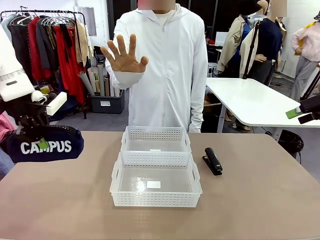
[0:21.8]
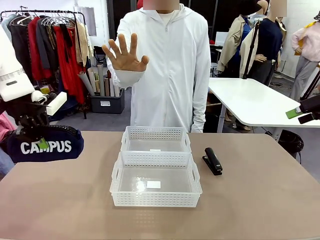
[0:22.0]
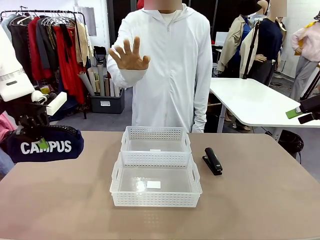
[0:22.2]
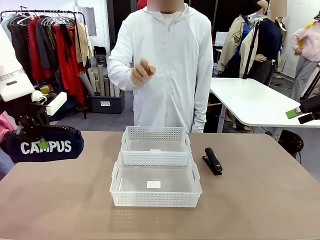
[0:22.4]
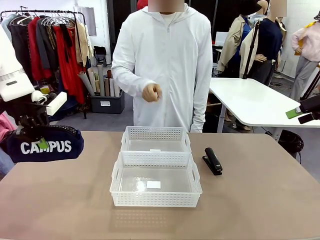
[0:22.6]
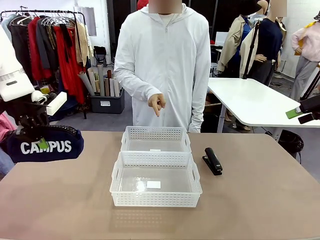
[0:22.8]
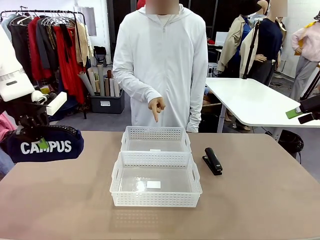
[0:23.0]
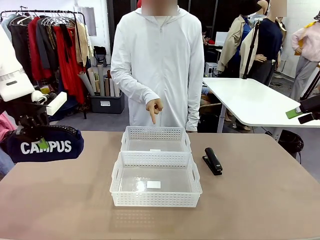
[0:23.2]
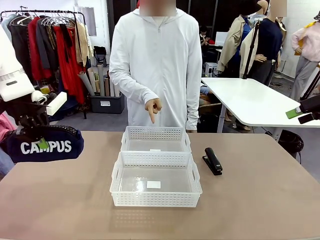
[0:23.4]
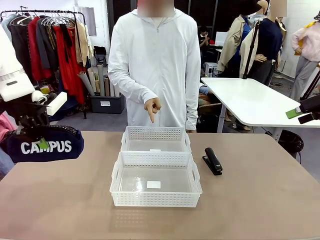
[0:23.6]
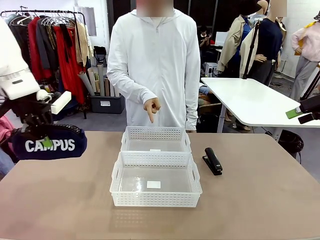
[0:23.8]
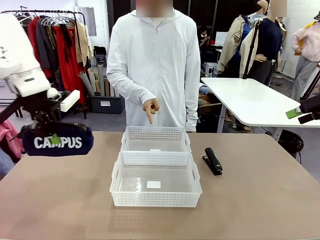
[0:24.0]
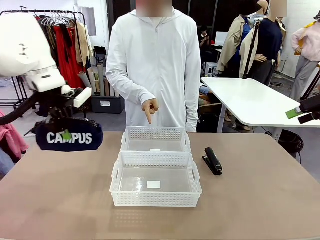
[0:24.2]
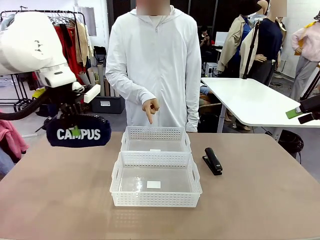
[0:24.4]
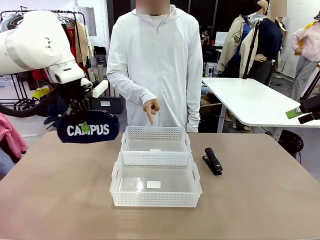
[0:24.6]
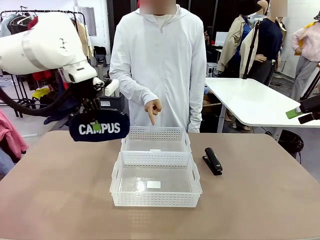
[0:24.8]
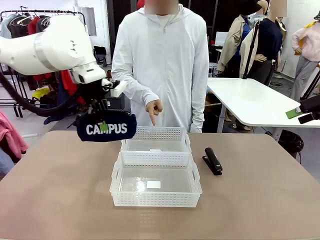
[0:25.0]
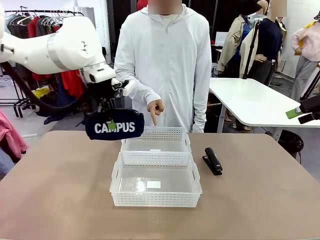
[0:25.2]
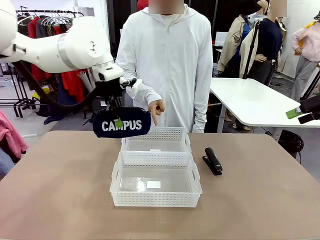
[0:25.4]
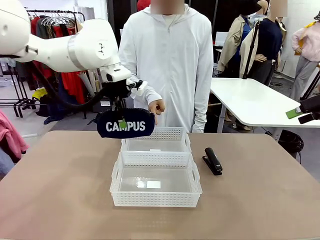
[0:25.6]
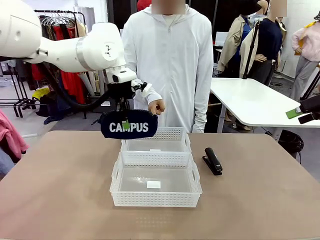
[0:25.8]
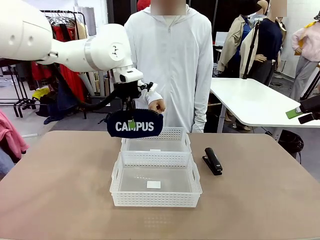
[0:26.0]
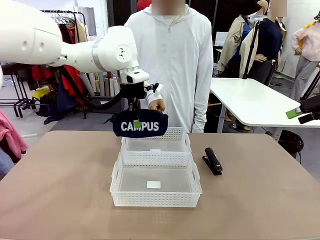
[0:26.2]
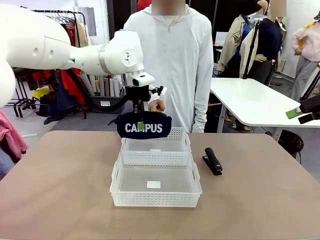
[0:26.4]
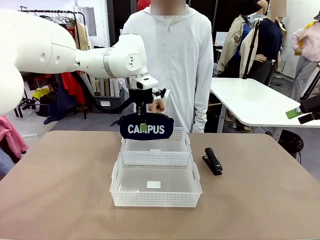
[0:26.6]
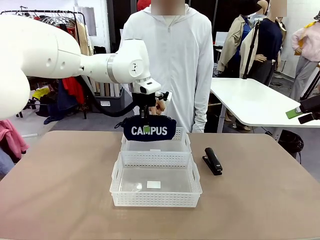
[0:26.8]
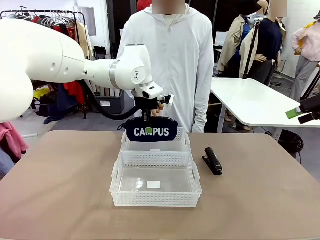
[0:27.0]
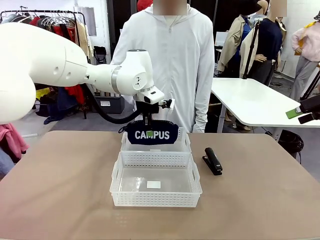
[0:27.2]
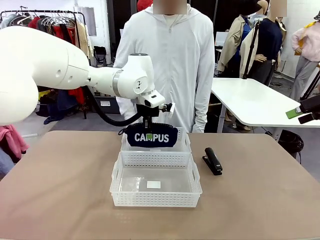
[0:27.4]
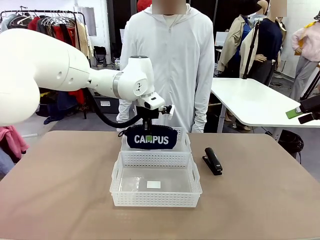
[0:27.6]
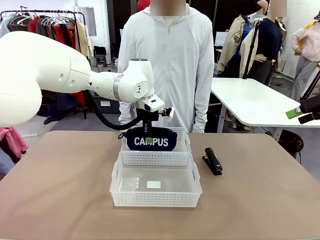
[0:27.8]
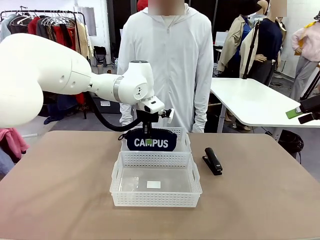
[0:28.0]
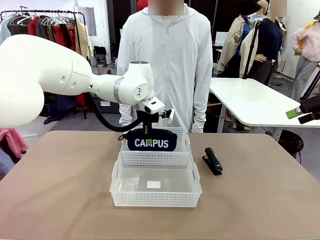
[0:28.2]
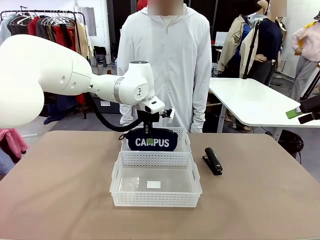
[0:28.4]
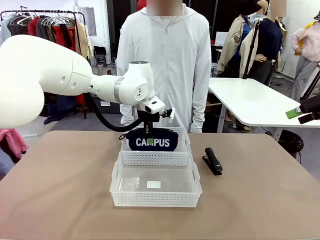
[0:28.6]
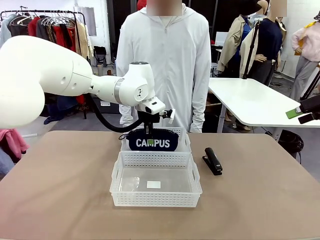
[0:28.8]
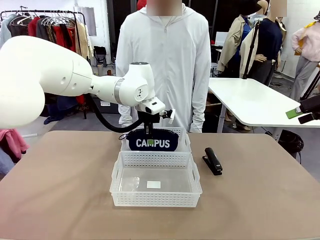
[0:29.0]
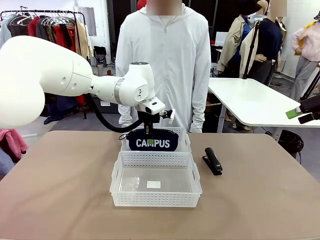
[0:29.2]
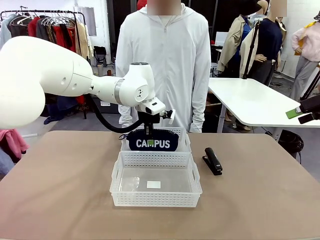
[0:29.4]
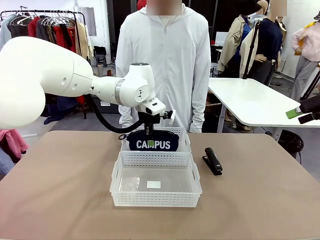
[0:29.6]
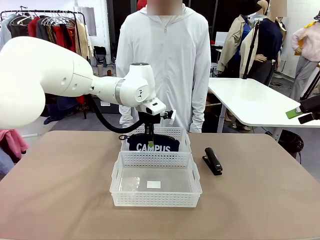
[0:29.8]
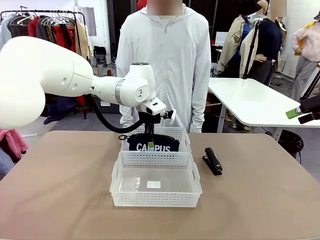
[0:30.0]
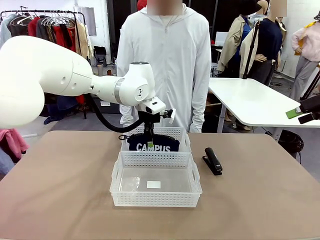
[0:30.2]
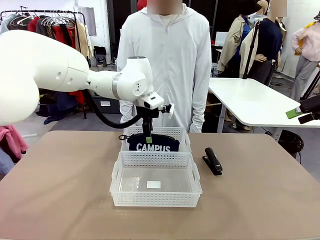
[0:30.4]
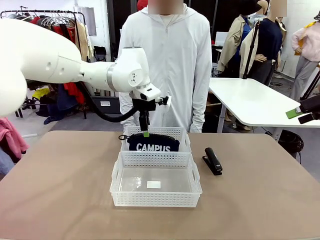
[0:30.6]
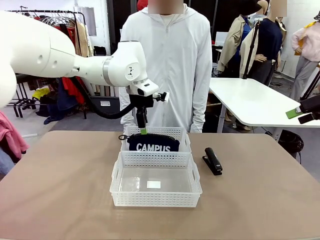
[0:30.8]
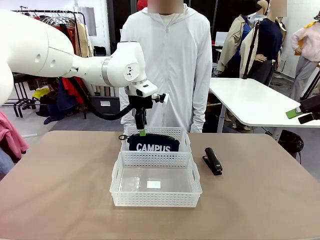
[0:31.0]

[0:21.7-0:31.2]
Task: Distribute items into two baskets.
Robot: Place the picked Pencil pouch into the Organizing basket as instructed by the person.
Person: Instructs the robot to place the pencil case into the opposite basket. Points to the stapler.

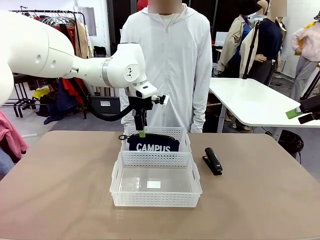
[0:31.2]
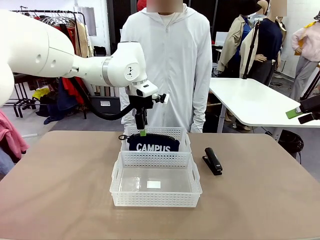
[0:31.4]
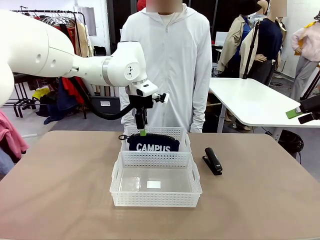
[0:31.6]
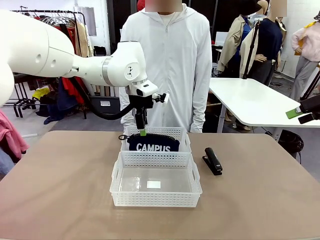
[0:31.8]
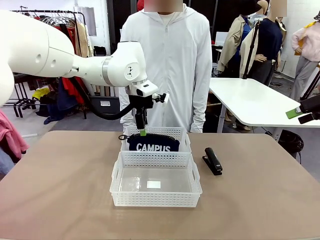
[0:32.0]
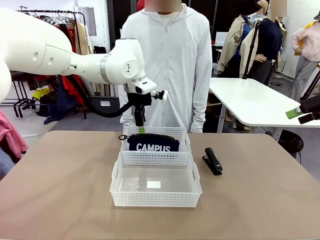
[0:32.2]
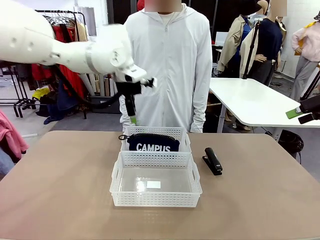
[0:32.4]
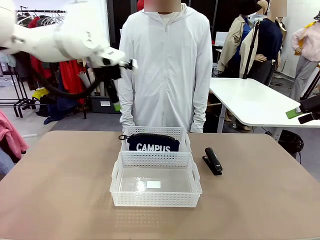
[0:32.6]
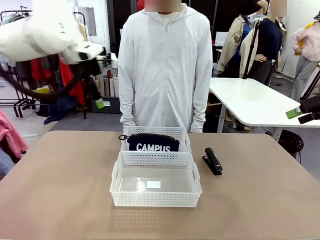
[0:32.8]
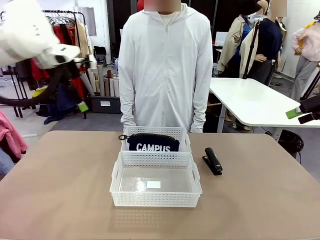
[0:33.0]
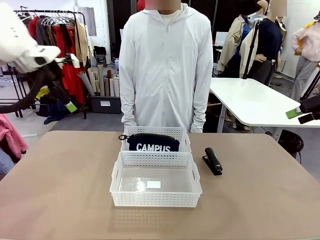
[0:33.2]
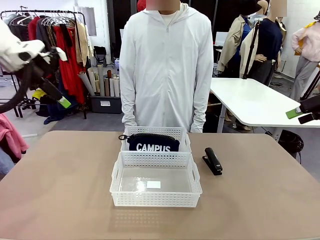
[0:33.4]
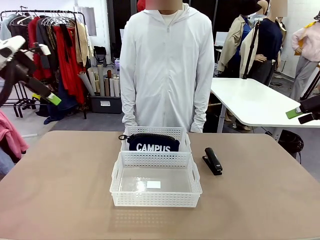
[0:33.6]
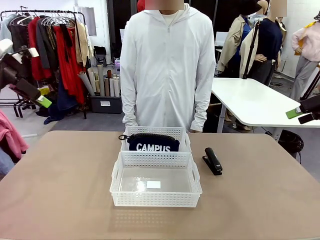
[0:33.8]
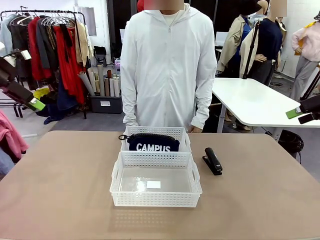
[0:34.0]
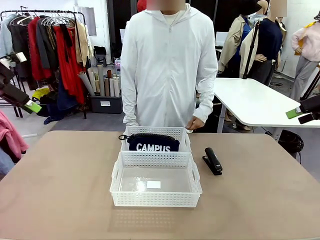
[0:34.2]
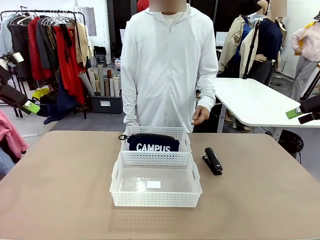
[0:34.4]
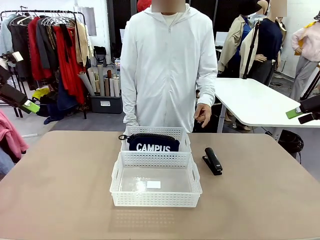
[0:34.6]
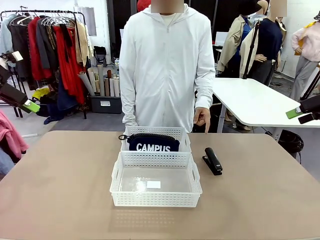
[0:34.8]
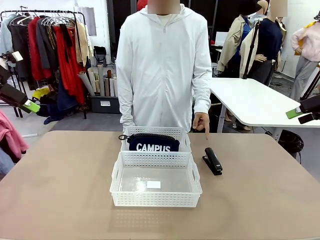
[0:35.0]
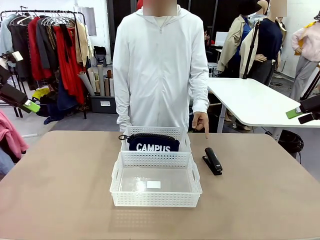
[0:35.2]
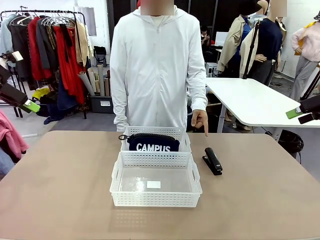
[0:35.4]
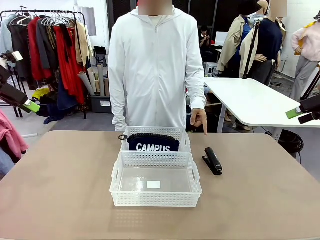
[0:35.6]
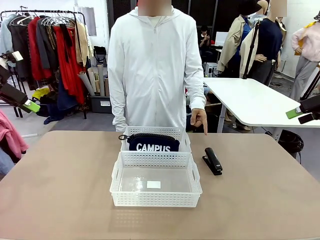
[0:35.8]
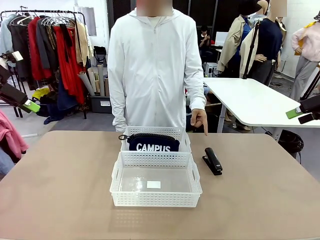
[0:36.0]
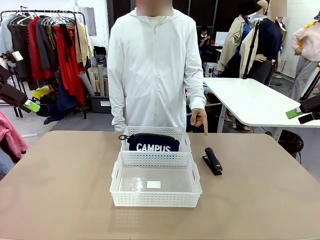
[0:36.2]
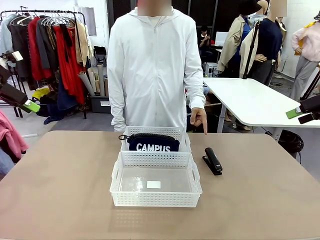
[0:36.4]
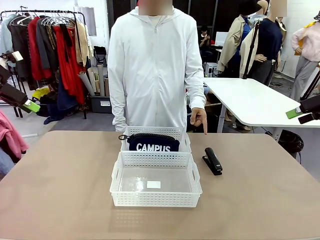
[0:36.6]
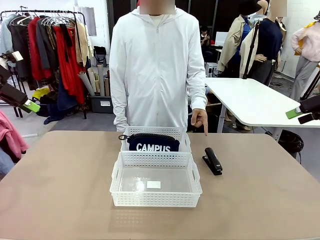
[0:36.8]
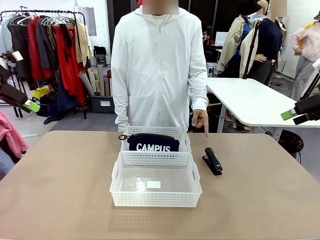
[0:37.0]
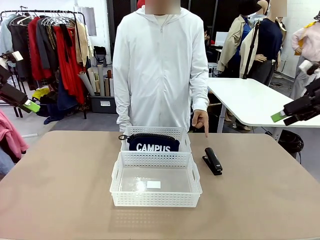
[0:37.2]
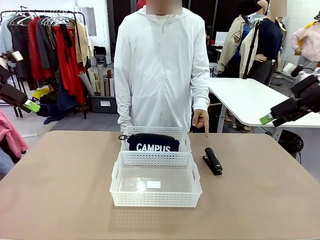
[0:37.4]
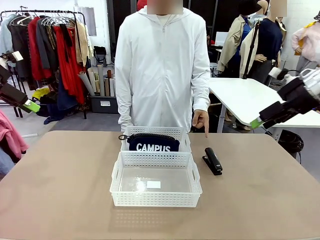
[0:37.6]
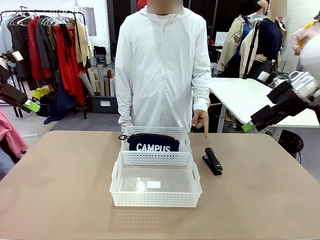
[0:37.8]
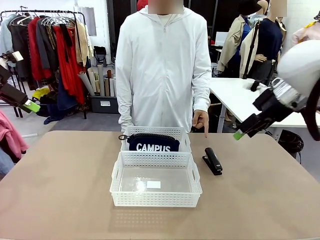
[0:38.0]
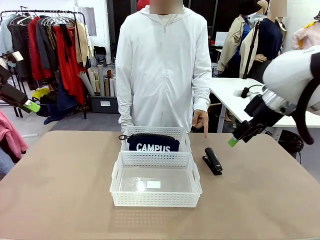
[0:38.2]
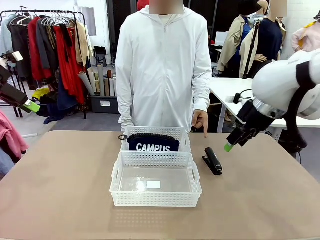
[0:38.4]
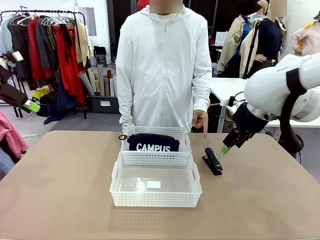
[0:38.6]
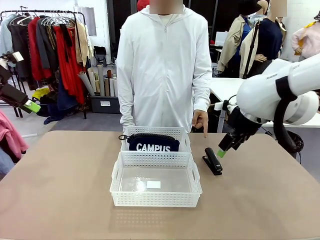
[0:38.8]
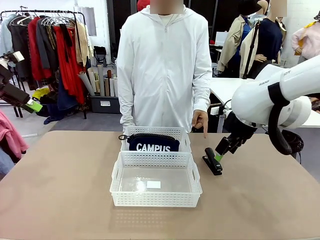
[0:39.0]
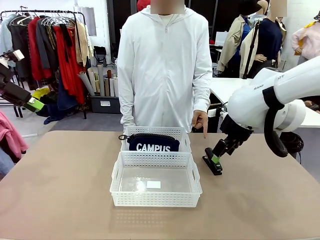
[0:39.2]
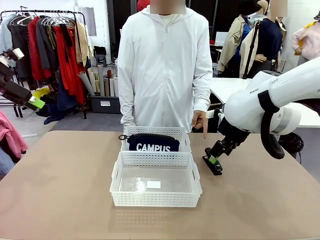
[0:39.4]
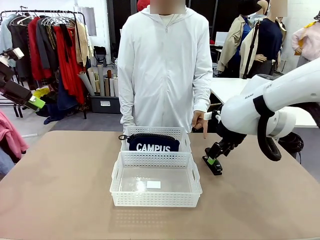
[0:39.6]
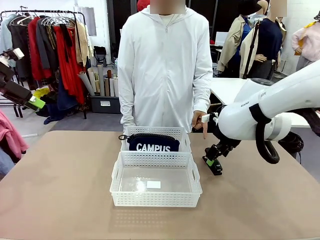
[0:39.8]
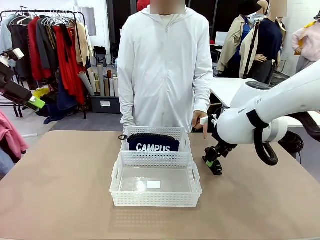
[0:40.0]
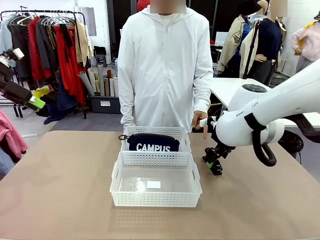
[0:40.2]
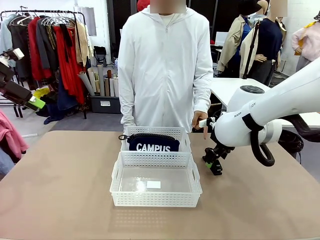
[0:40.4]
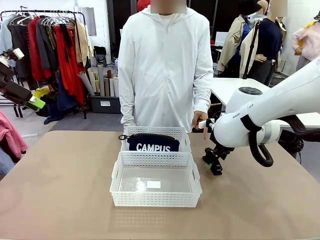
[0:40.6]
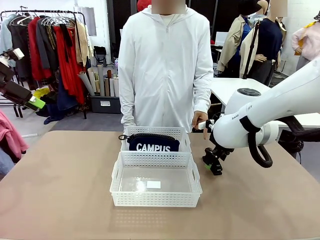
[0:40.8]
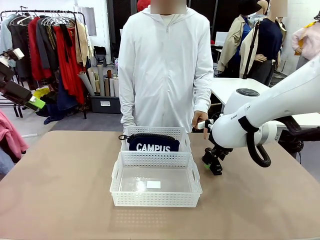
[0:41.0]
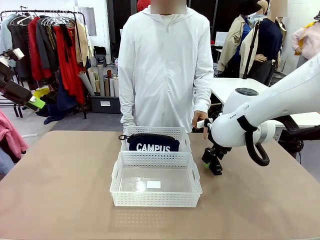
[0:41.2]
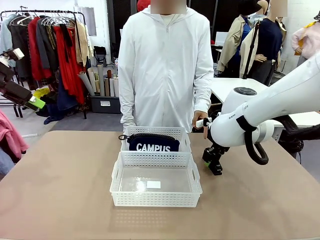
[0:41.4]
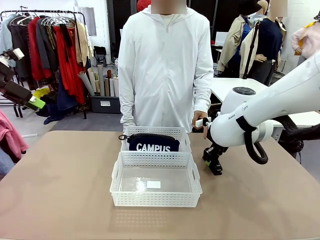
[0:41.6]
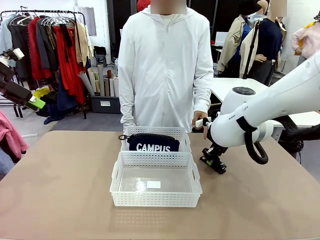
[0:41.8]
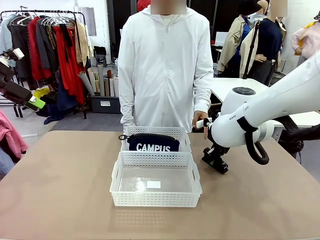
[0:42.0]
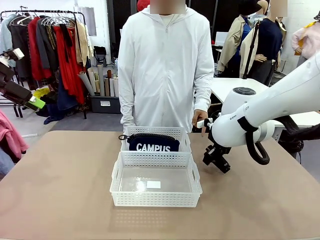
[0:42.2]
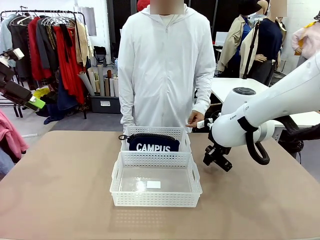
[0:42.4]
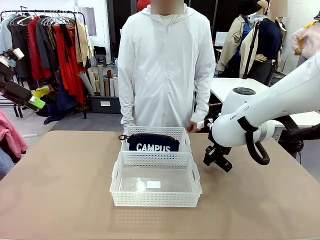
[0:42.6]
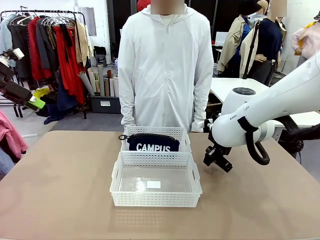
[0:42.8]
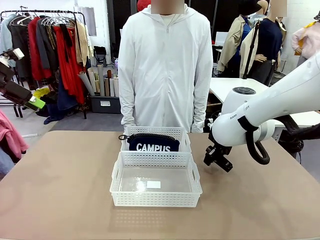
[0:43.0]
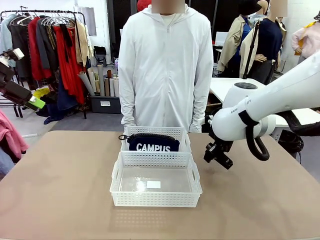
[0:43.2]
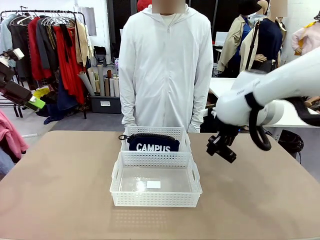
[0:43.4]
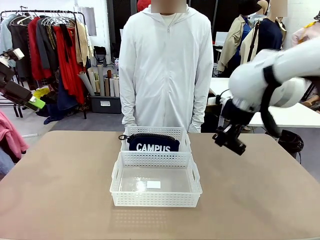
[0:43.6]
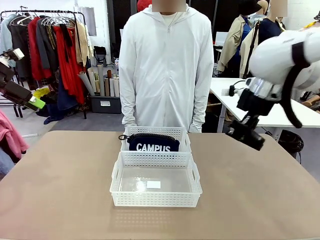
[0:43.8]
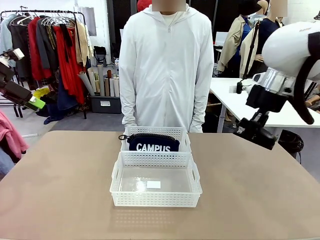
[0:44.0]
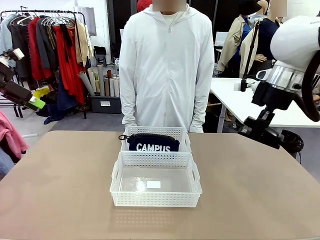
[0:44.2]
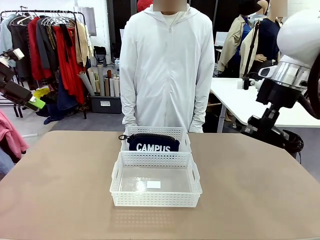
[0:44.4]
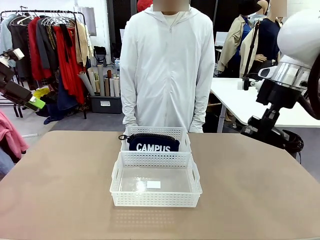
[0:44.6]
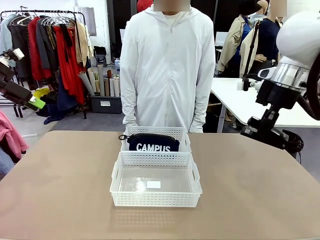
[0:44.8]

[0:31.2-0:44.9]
Robot: Pick up the Stapler that the person points to.
